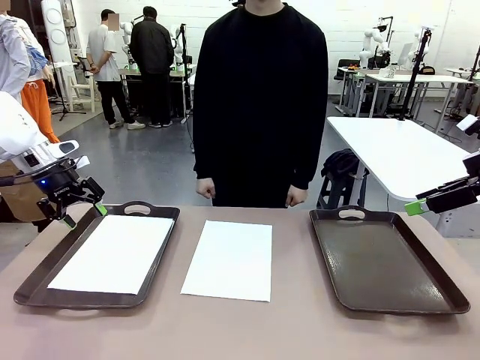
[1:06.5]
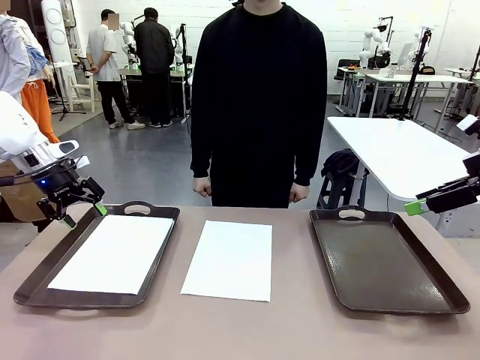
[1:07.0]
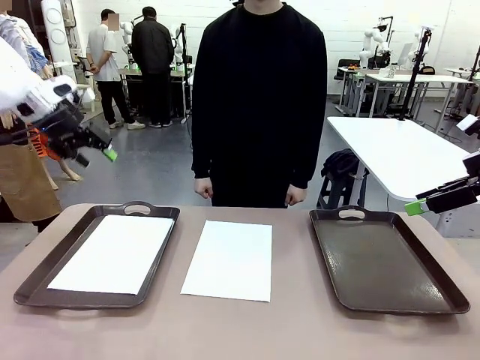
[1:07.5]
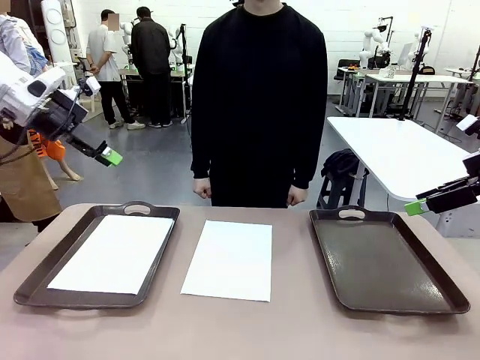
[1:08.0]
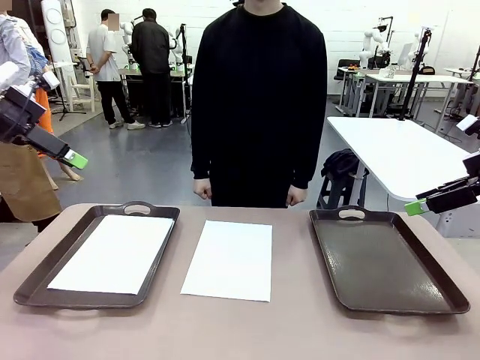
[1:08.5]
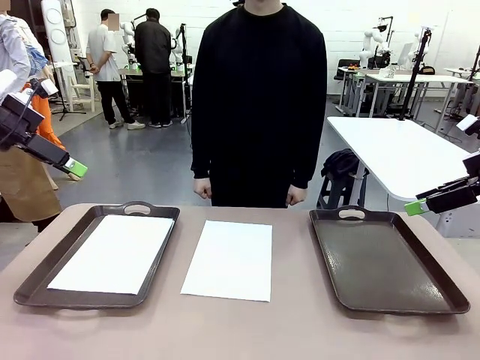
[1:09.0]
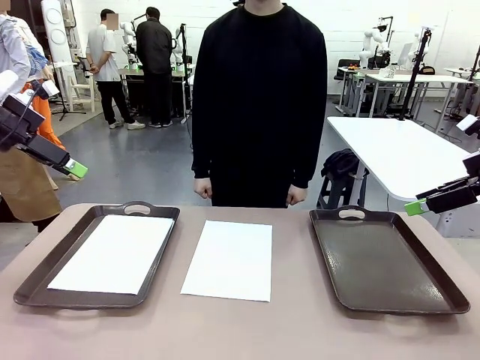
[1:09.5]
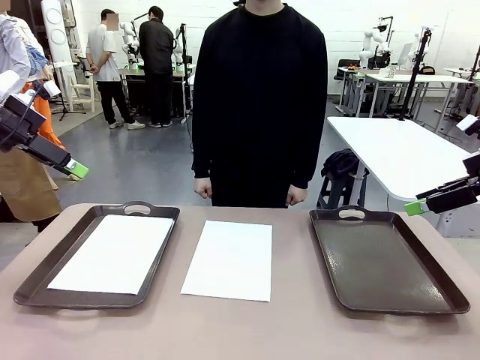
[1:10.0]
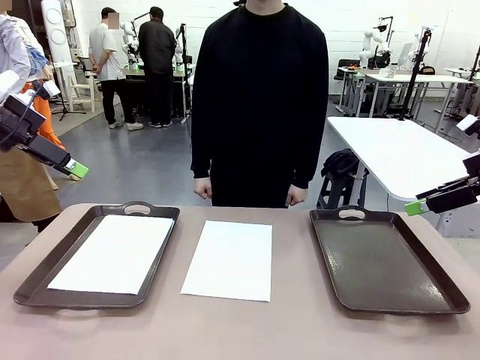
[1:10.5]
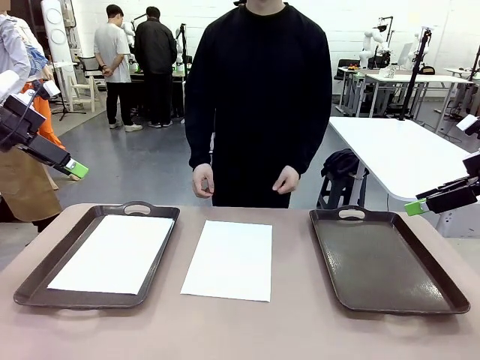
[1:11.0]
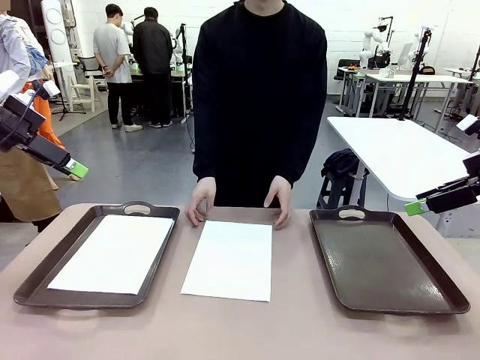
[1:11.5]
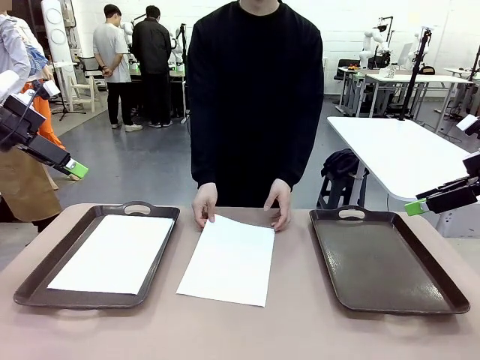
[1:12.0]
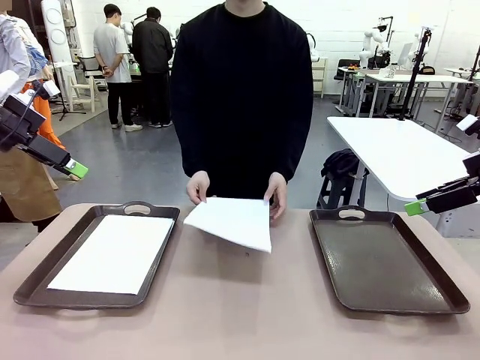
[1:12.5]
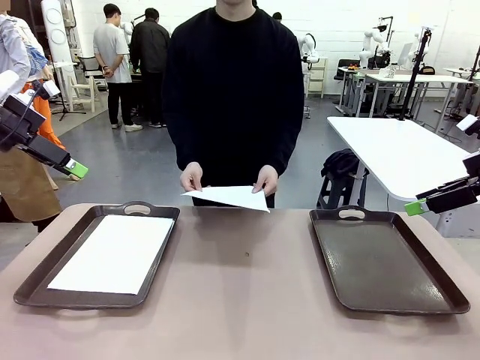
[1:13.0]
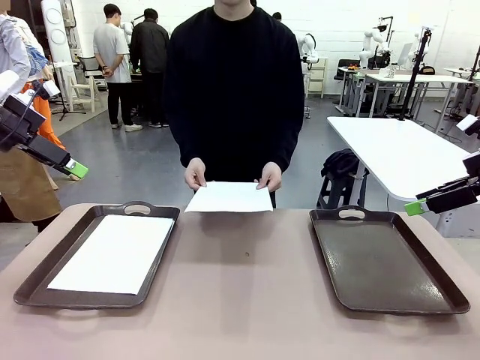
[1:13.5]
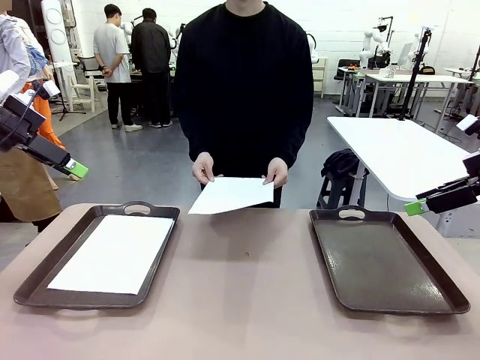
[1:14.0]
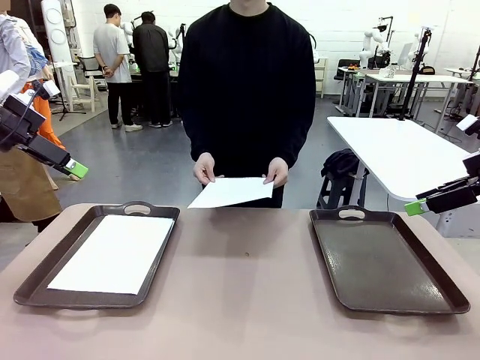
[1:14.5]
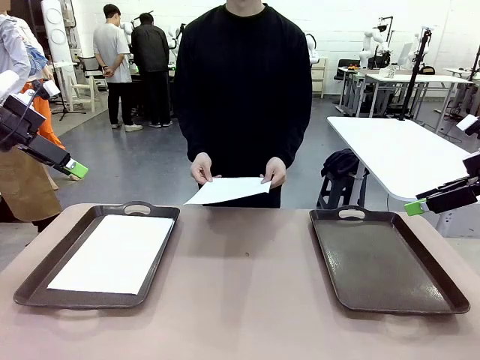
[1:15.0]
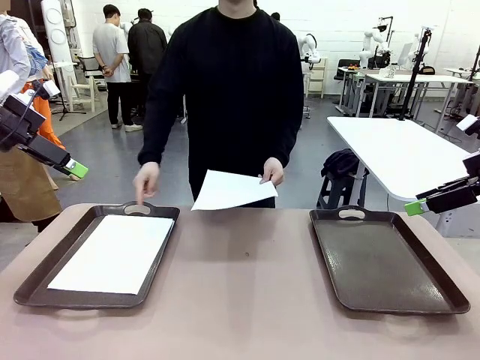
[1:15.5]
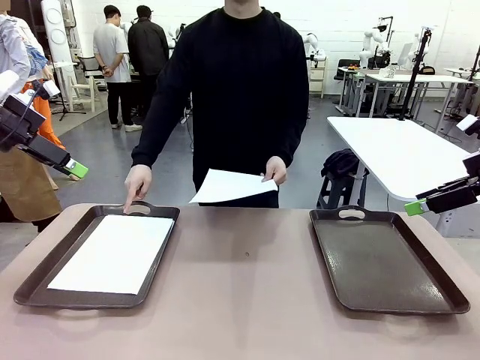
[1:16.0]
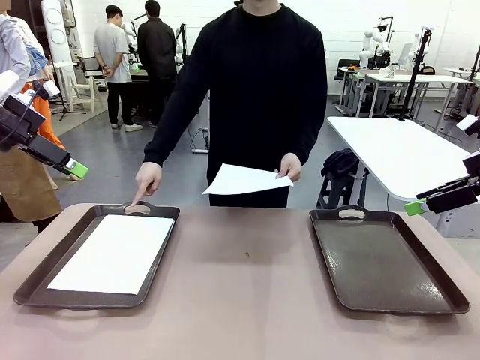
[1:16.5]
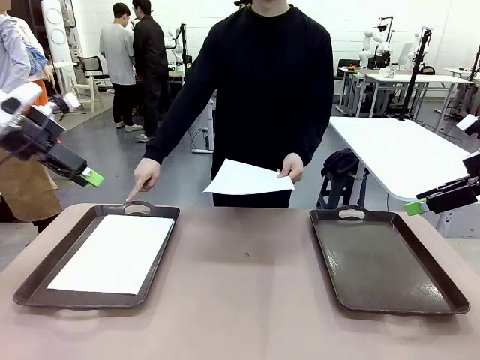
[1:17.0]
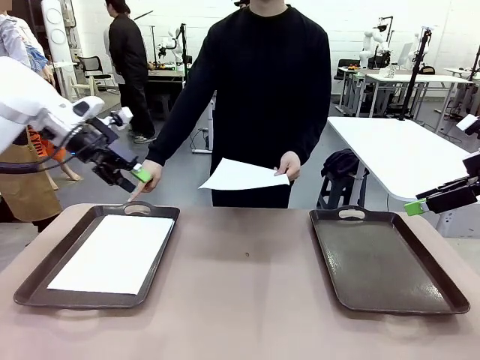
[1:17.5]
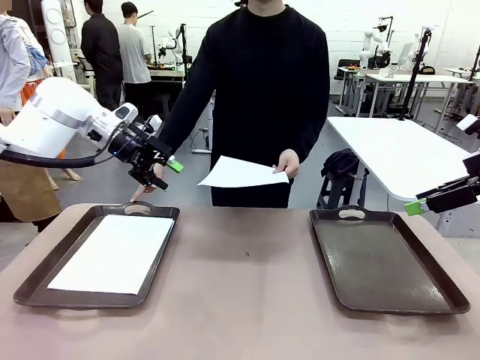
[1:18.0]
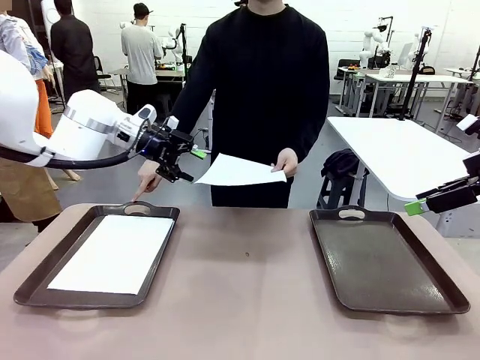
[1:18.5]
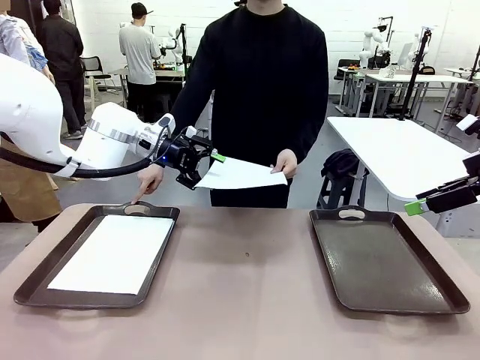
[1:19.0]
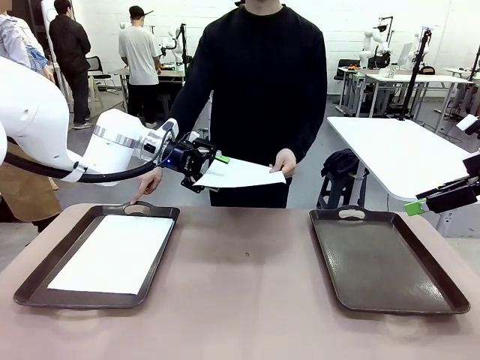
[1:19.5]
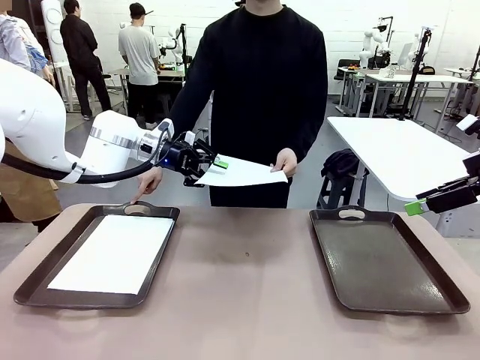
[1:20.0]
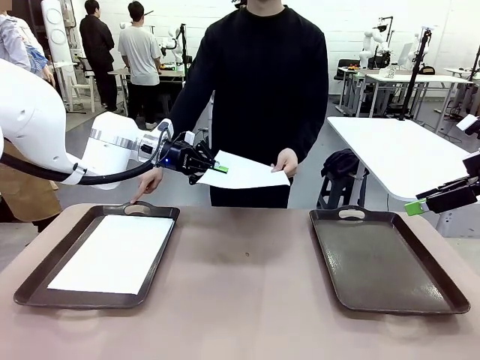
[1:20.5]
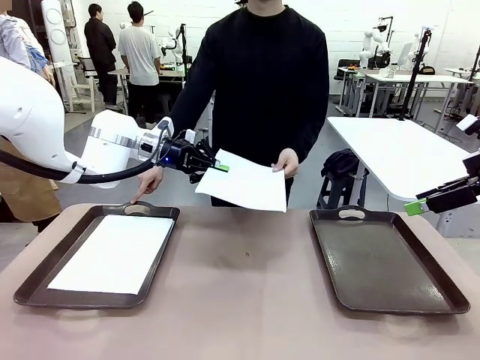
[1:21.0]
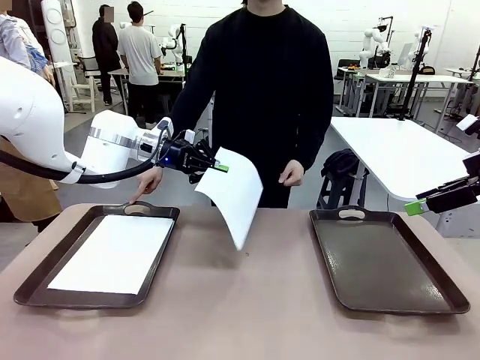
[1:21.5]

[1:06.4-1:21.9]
Task: Sort the A4 documents.
Robot: Receive the A4 Paper.
Person: Point the randomly selected tray with the other hand.

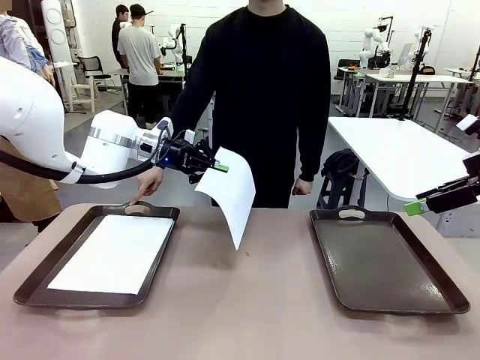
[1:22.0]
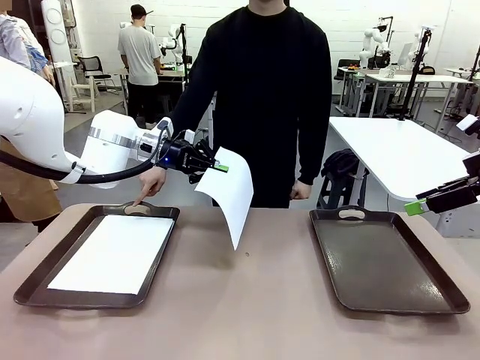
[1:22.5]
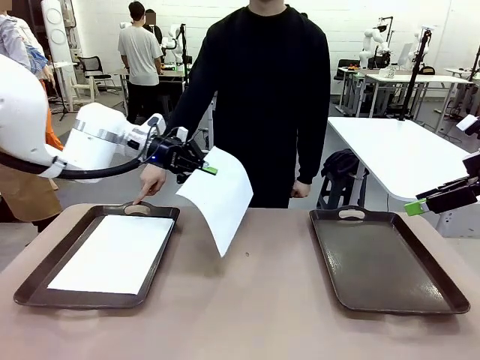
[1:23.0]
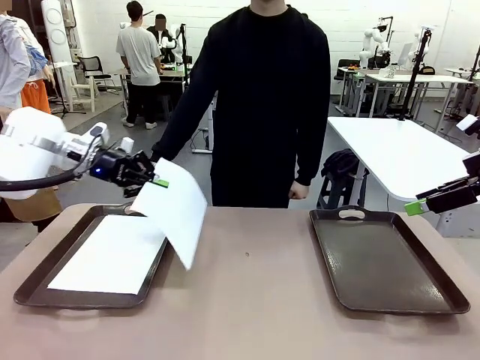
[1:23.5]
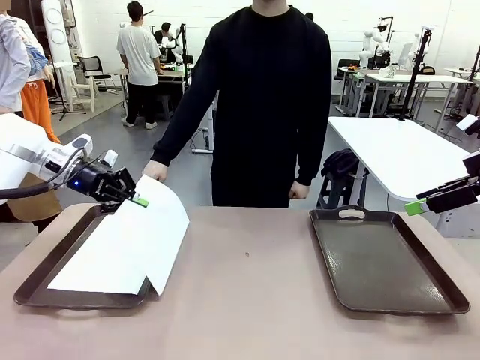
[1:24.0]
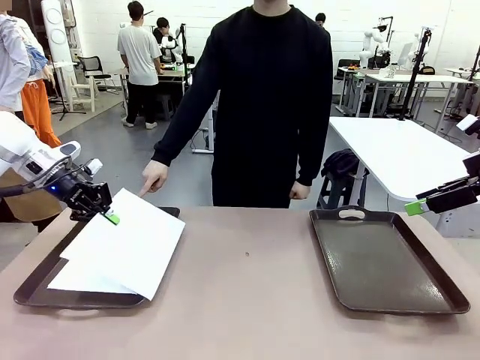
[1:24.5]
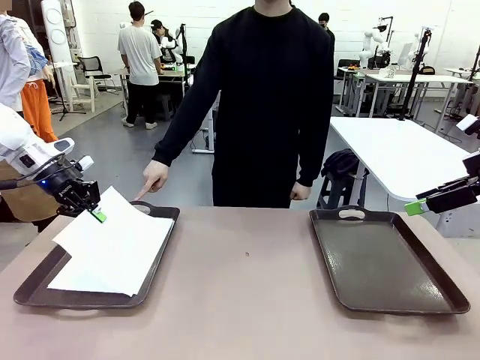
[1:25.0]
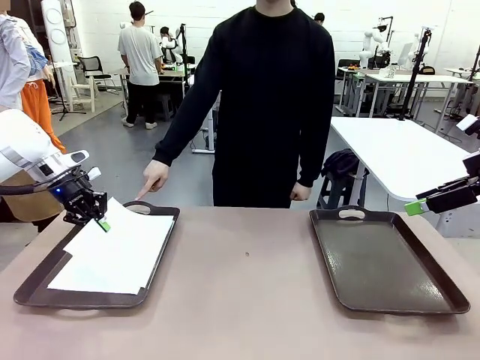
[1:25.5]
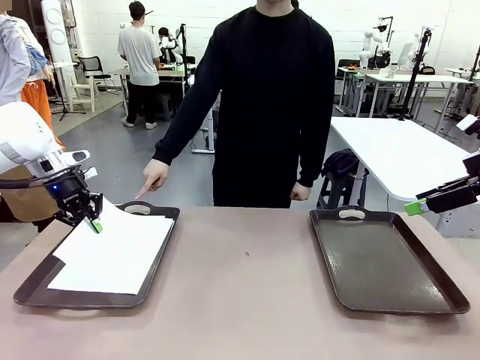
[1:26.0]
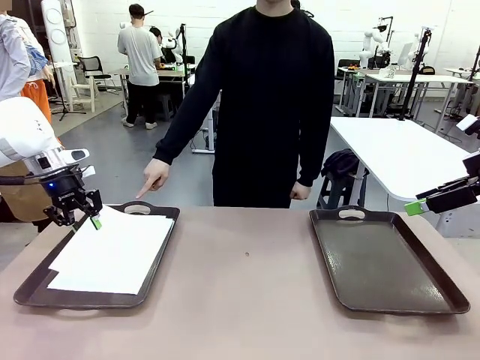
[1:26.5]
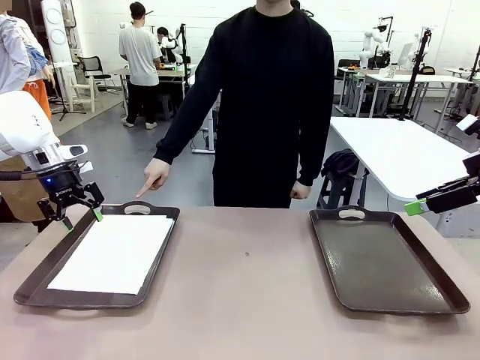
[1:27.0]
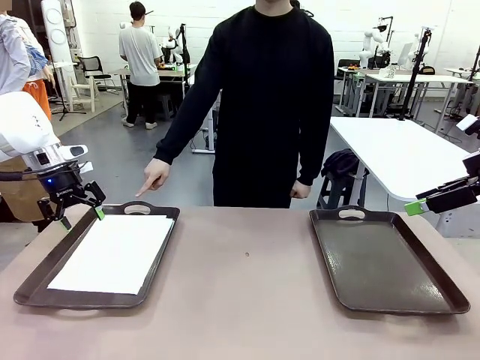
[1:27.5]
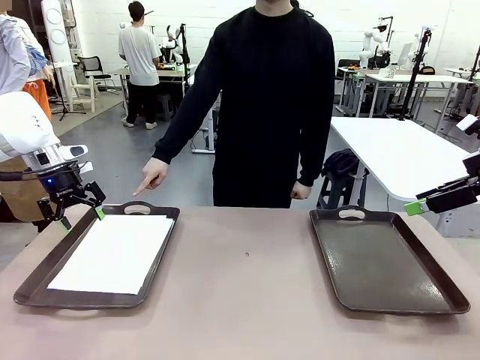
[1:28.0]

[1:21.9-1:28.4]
Robot: Place the A4 Paper in the designated Handle tray.

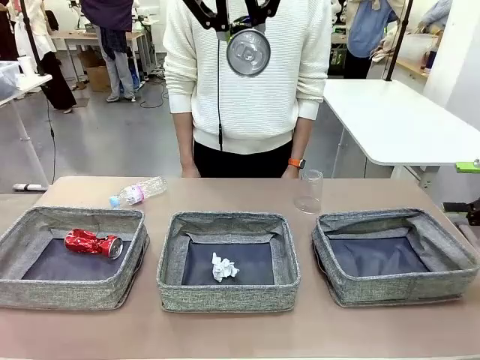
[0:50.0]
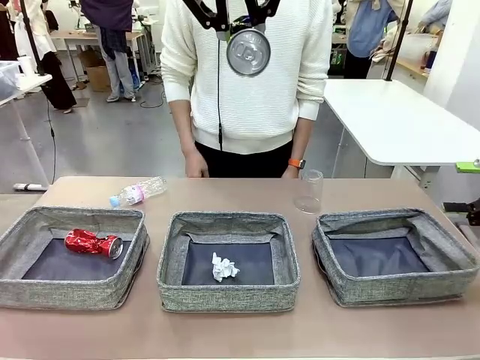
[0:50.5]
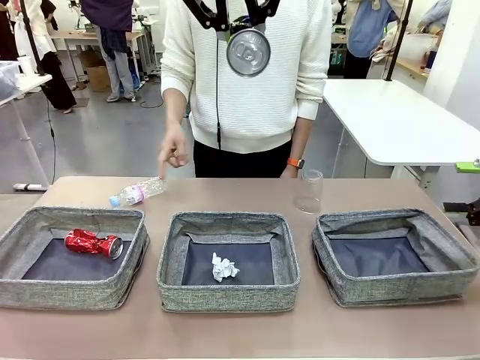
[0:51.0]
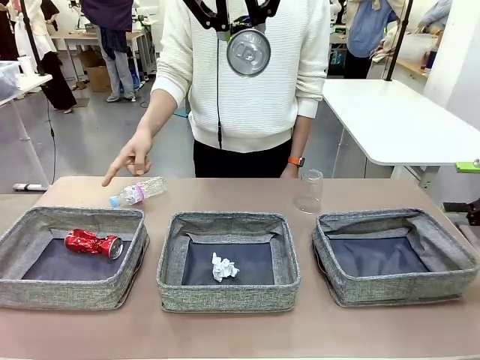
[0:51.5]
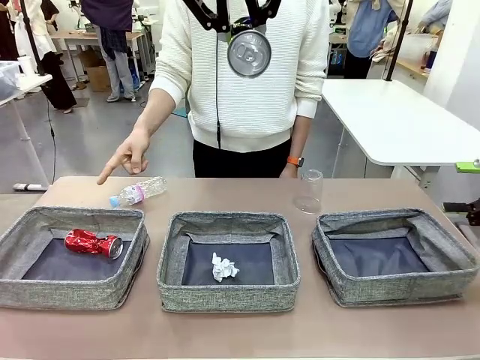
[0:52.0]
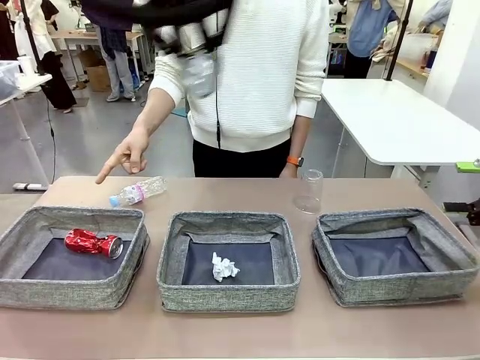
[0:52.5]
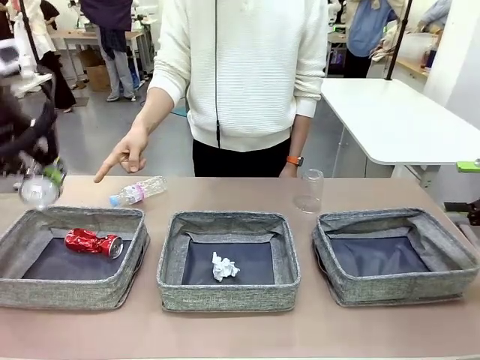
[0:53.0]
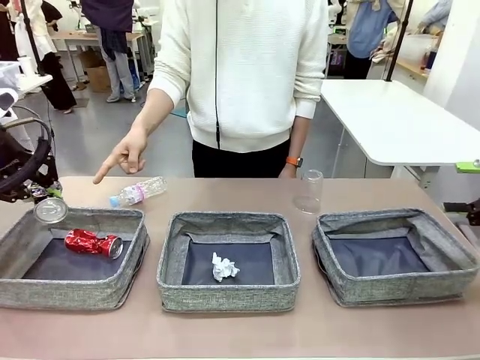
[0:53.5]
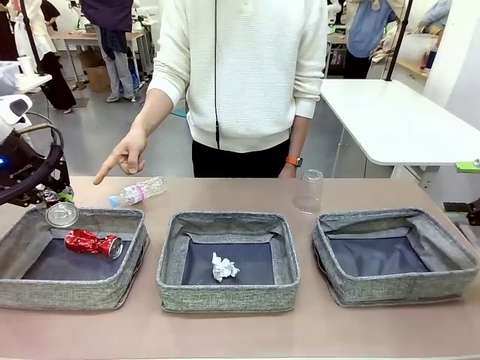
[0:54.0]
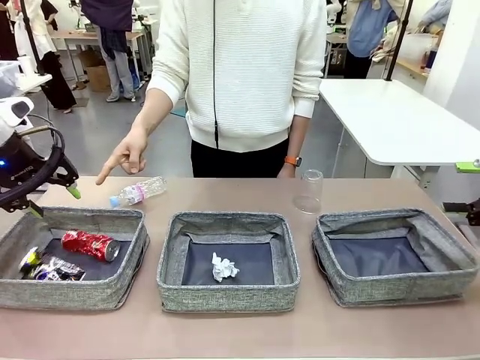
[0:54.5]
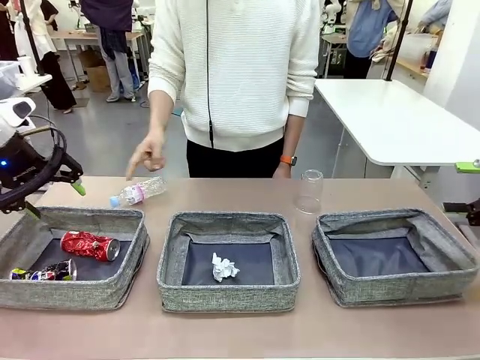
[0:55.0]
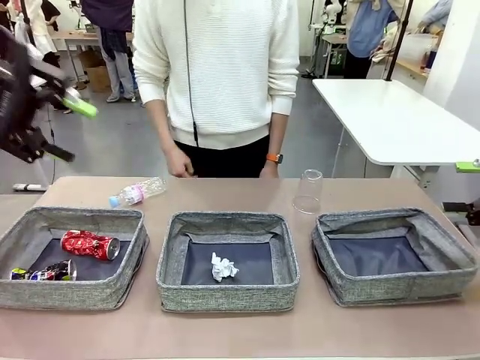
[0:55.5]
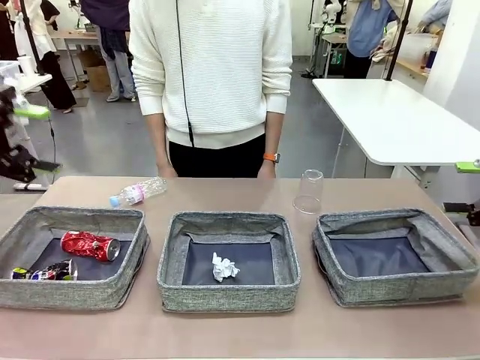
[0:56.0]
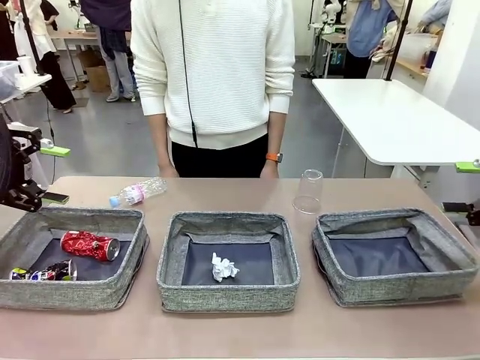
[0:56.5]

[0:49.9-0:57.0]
Task: Sort the waste into the appropriate baskets.
Robot: Place the picked waste into the Fabric basket indicated by the person.
Person: Instructs the robot to place the picked-up trash into the appropriate organizing basket.
